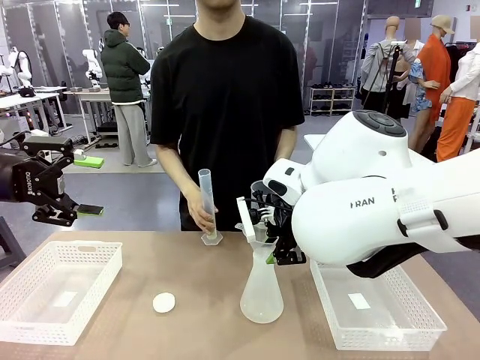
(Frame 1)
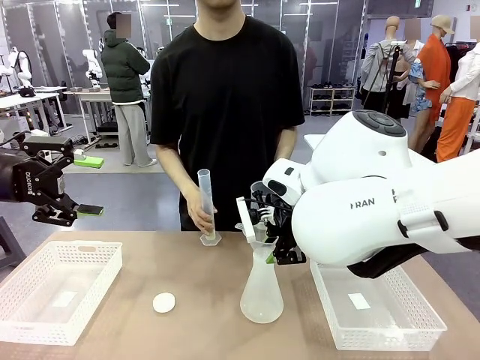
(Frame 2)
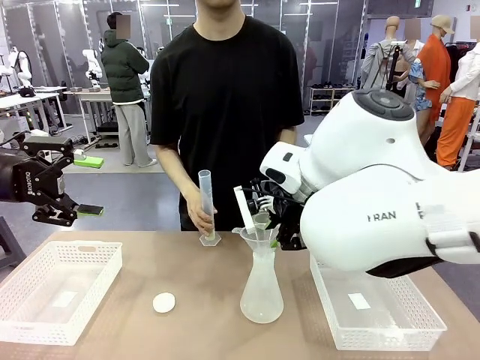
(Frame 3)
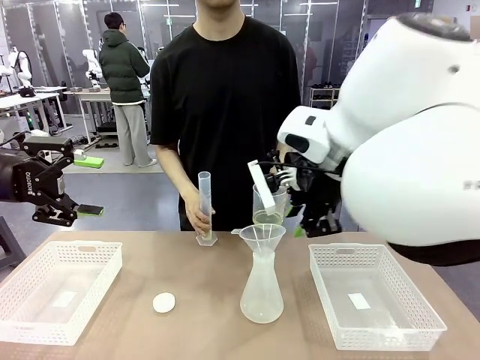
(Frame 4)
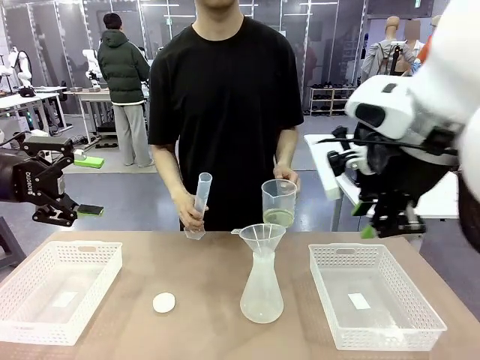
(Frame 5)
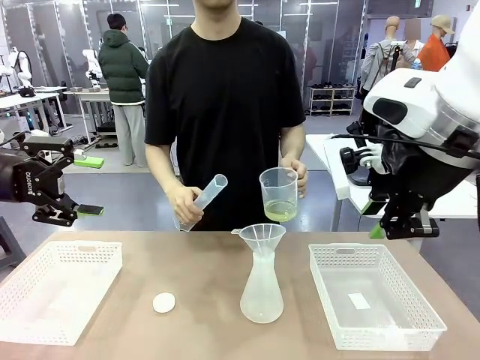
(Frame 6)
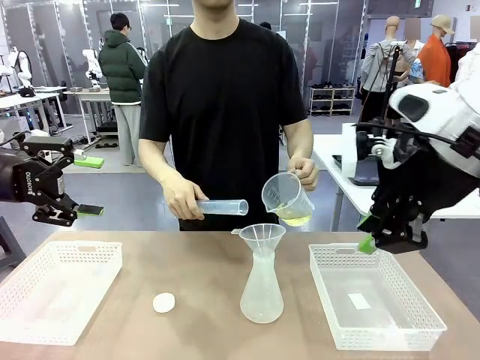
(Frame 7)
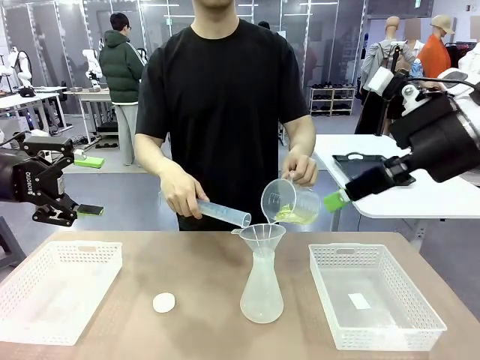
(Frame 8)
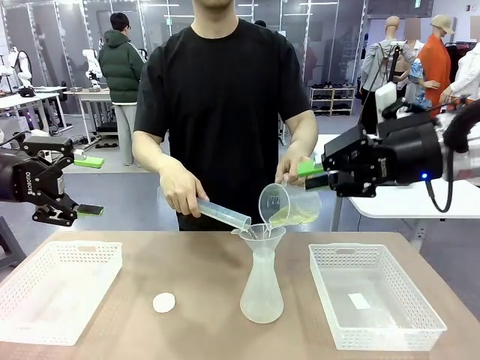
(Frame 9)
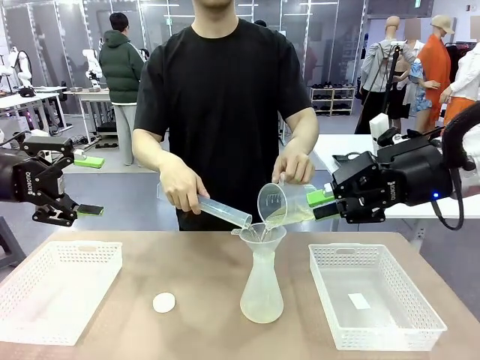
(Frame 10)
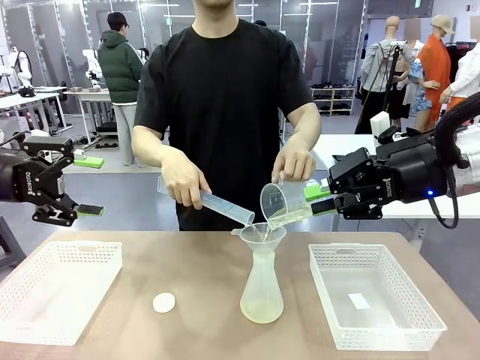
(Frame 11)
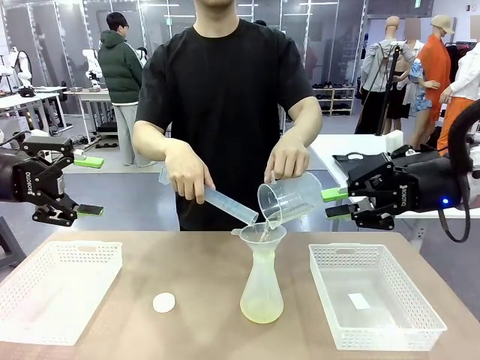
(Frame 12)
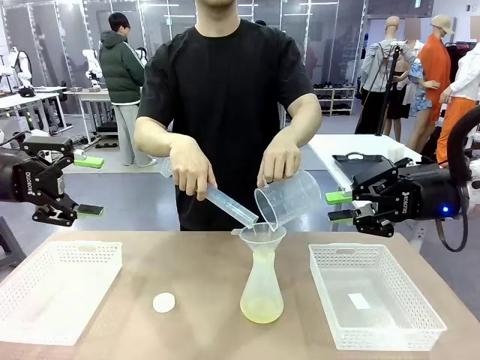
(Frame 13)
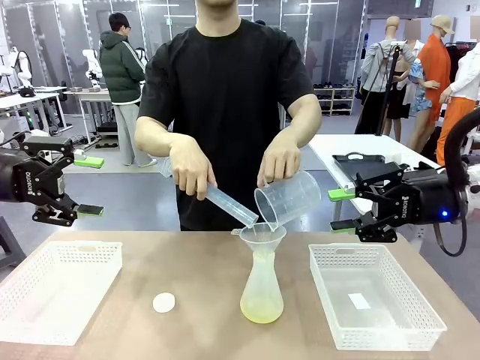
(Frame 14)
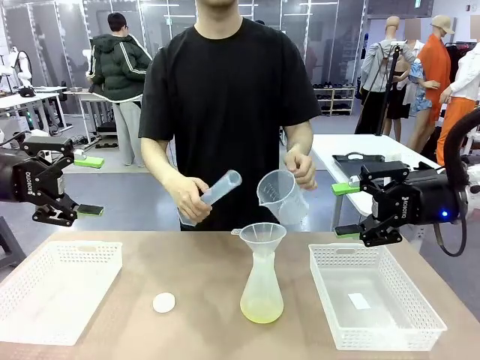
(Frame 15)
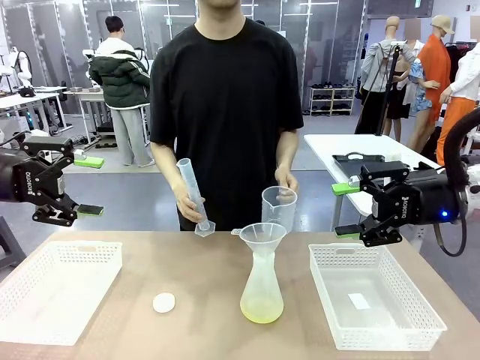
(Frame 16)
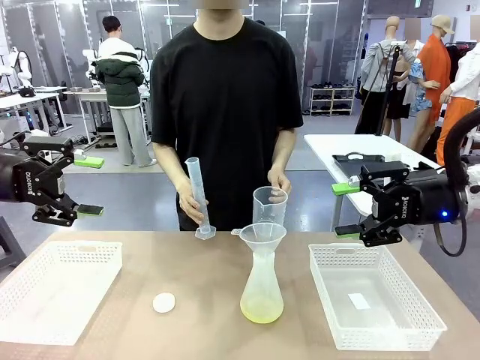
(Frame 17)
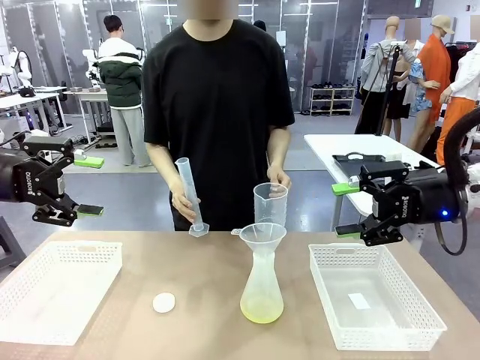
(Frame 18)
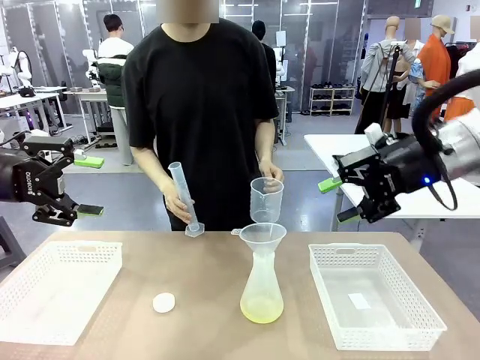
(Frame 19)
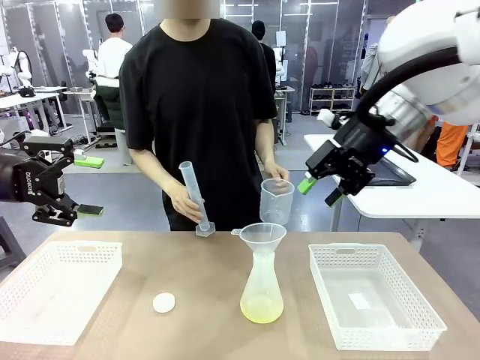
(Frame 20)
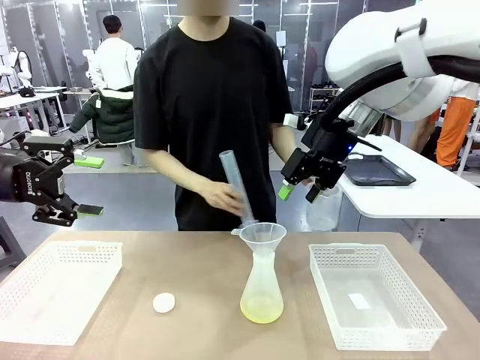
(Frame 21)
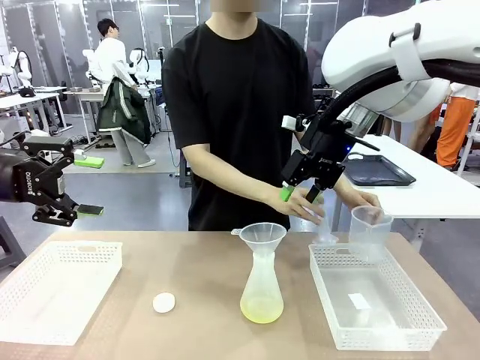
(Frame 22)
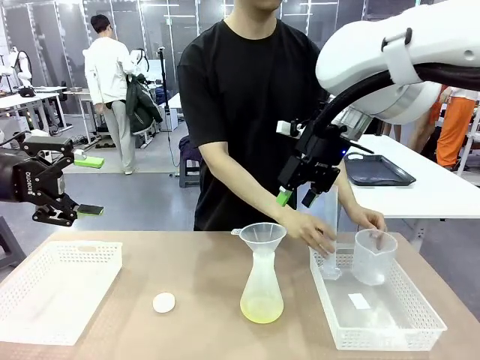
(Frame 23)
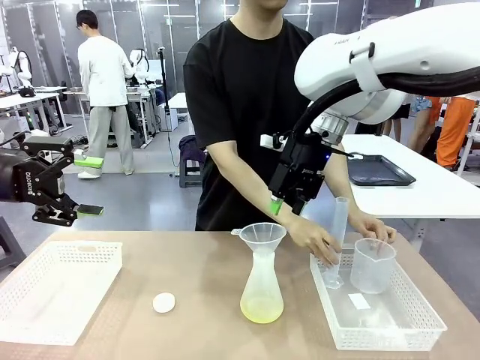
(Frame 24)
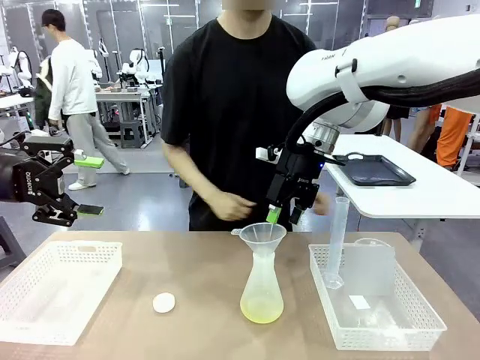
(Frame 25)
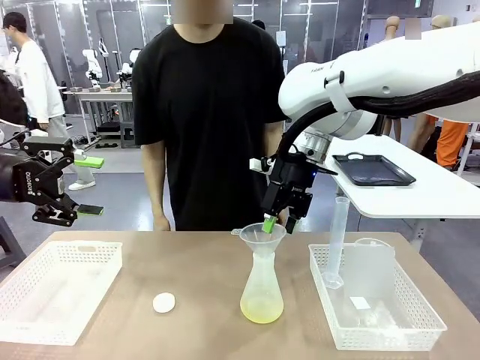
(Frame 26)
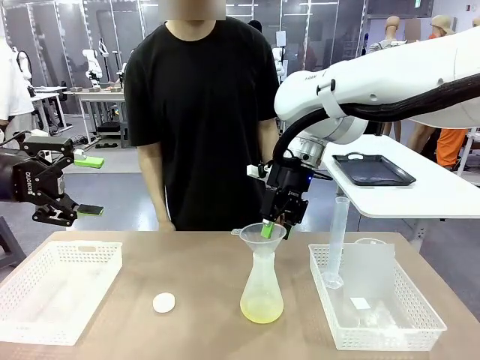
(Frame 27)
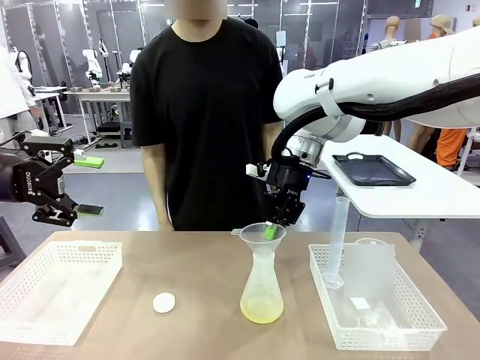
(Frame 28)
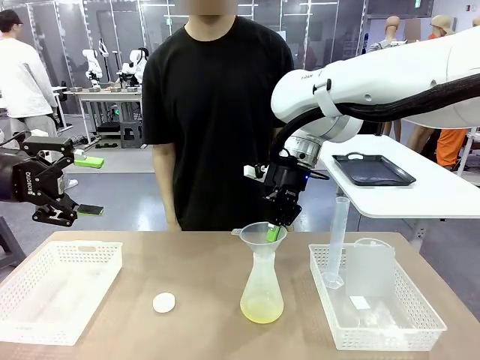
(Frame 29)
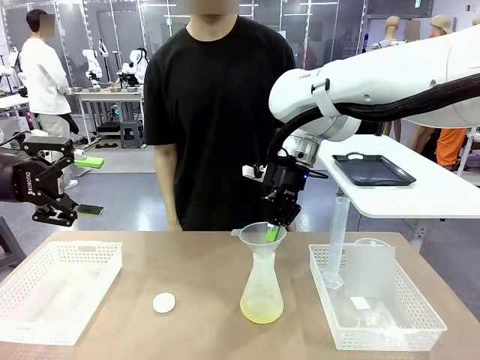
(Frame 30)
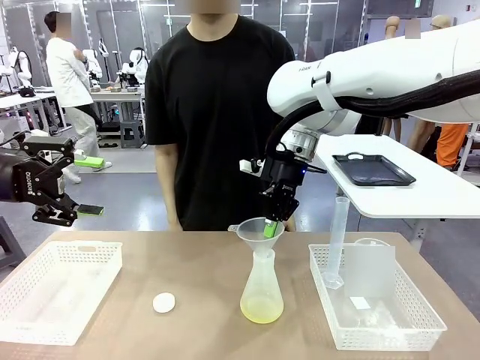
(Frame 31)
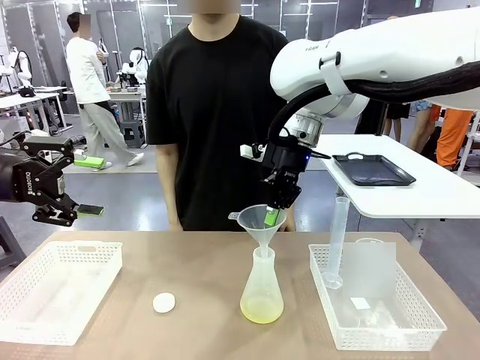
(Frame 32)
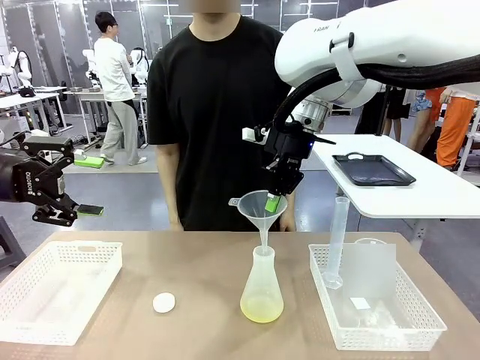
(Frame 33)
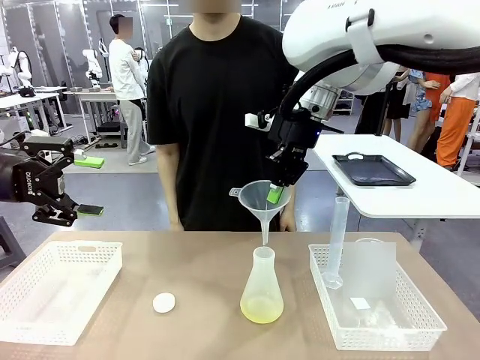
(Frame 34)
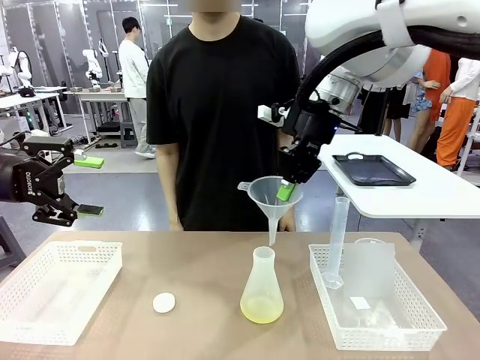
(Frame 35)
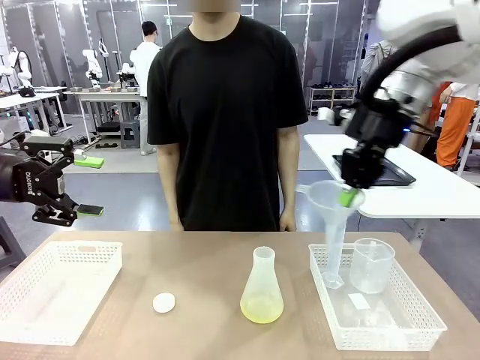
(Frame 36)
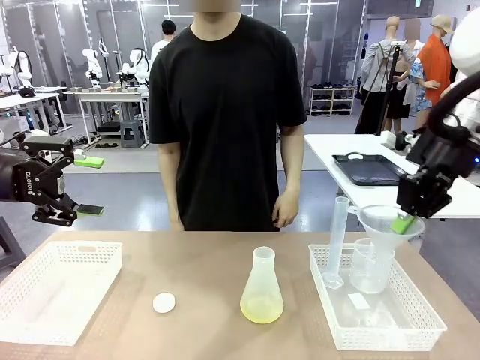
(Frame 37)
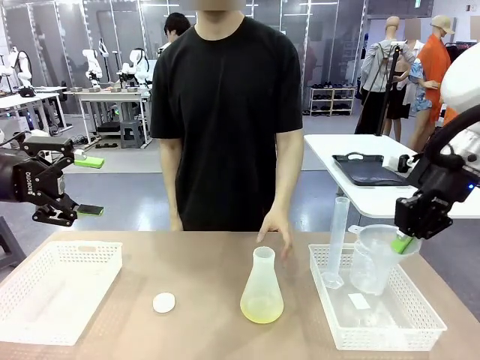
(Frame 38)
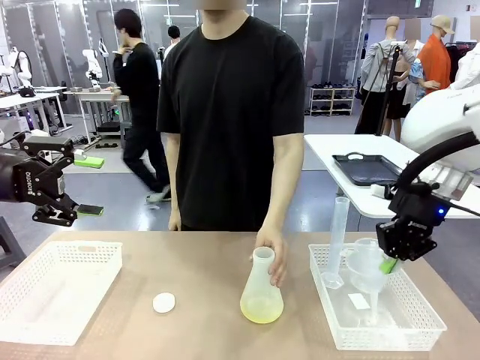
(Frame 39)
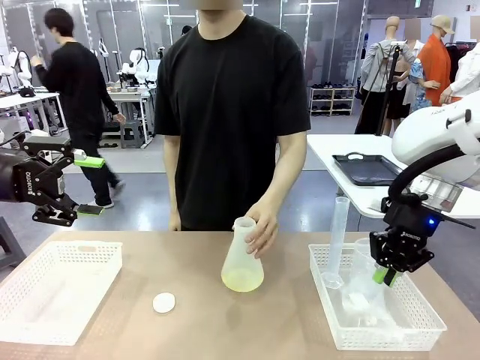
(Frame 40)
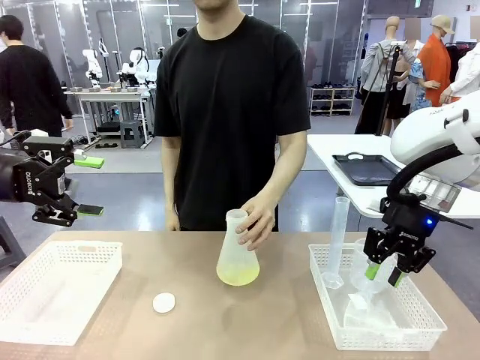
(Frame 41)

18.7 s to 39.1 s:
Task: Prepare the solutions needed for the experiment.
Robot: Once the solution is in the Big flask , pick up the Plastic Funnel and place it back into the right Organizing basket.
Person: Place the beaker and the cylinder into the organizing basket on the left side. Pick up the flask, gently shake it 2–3 times, place it in the middle of the robot table, and close the lid.
